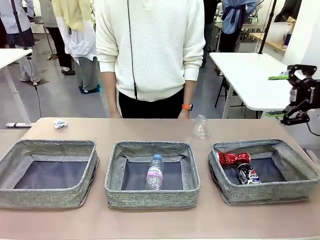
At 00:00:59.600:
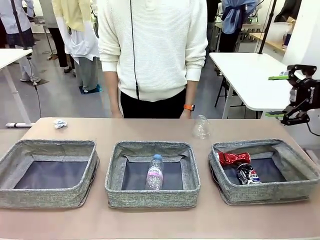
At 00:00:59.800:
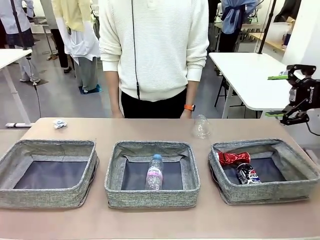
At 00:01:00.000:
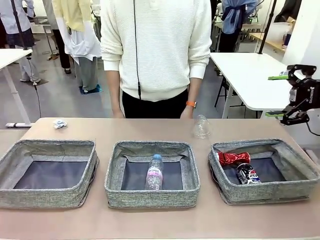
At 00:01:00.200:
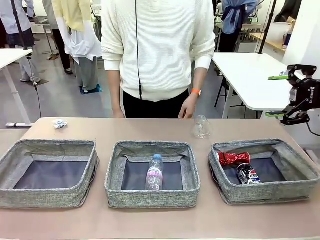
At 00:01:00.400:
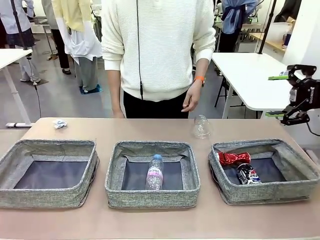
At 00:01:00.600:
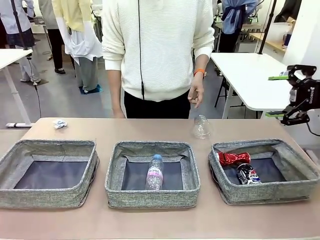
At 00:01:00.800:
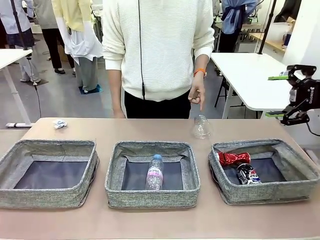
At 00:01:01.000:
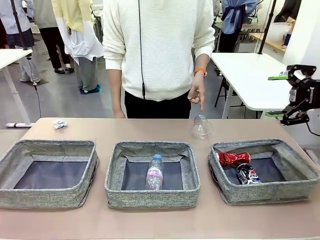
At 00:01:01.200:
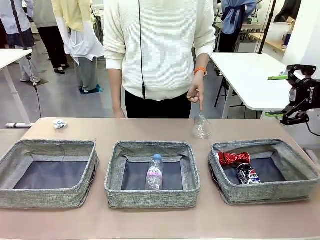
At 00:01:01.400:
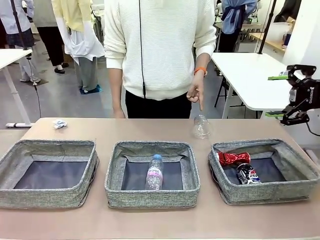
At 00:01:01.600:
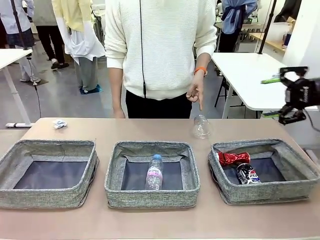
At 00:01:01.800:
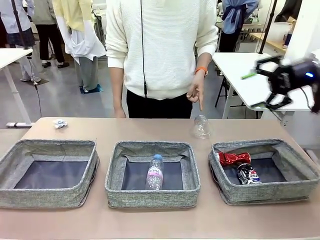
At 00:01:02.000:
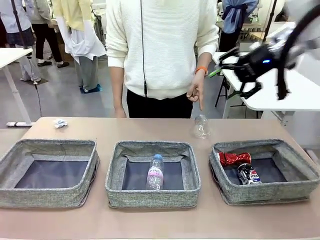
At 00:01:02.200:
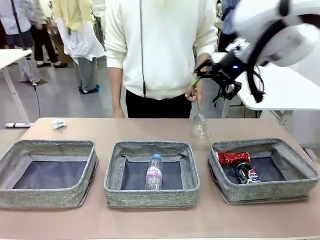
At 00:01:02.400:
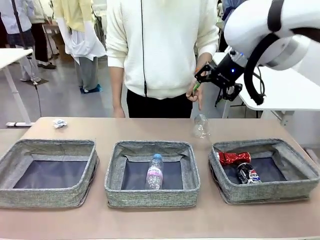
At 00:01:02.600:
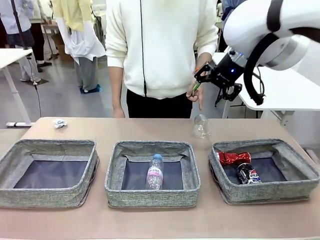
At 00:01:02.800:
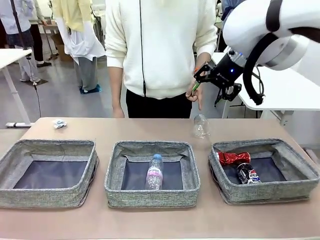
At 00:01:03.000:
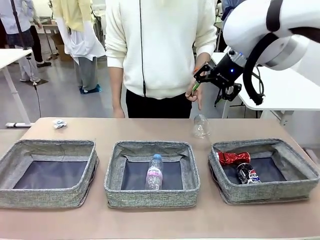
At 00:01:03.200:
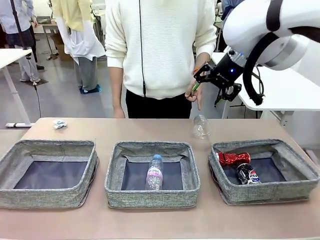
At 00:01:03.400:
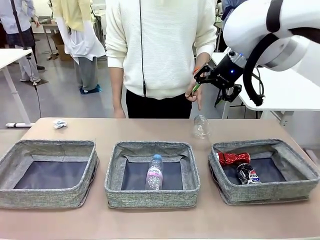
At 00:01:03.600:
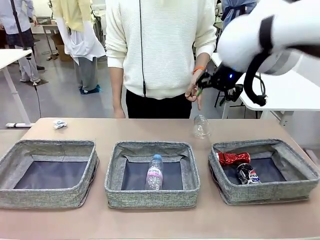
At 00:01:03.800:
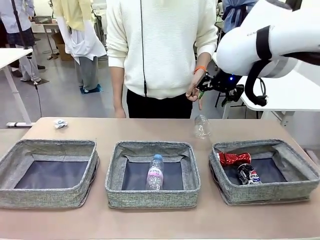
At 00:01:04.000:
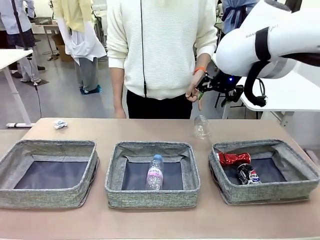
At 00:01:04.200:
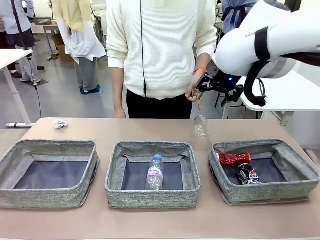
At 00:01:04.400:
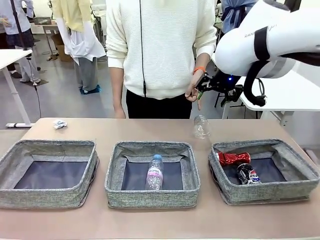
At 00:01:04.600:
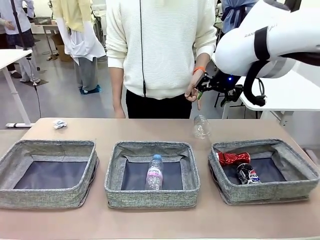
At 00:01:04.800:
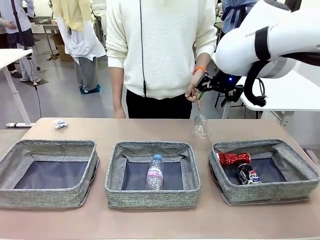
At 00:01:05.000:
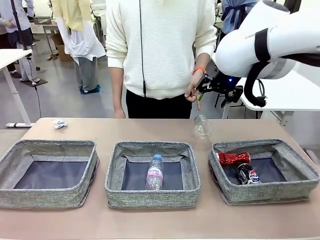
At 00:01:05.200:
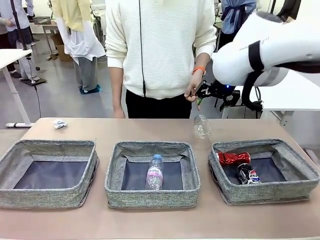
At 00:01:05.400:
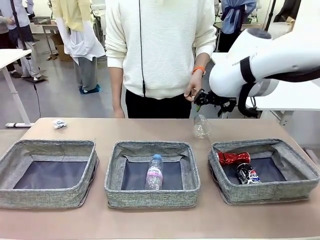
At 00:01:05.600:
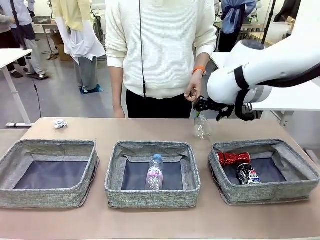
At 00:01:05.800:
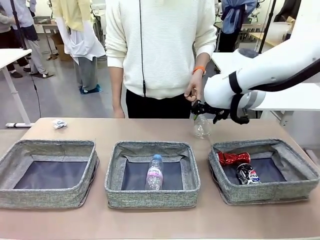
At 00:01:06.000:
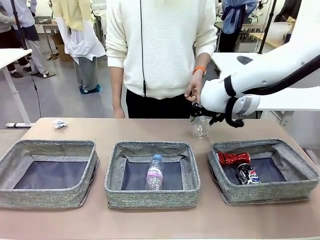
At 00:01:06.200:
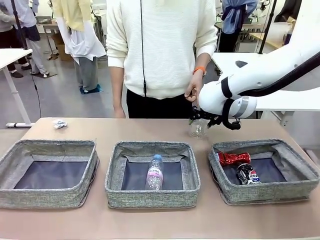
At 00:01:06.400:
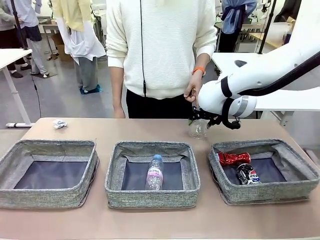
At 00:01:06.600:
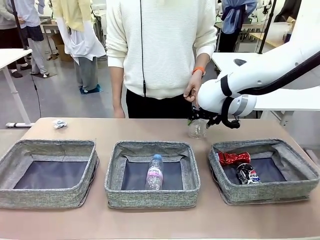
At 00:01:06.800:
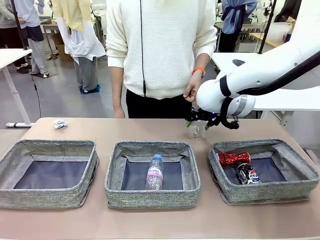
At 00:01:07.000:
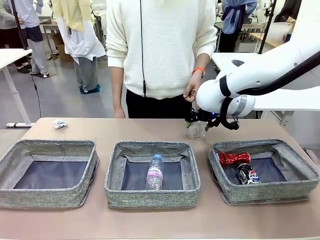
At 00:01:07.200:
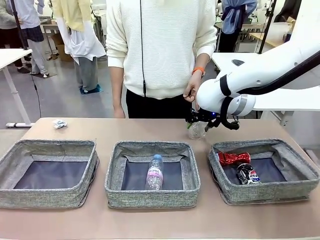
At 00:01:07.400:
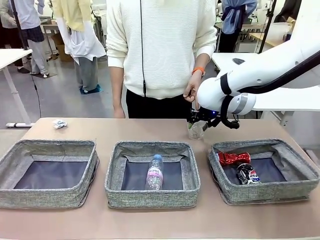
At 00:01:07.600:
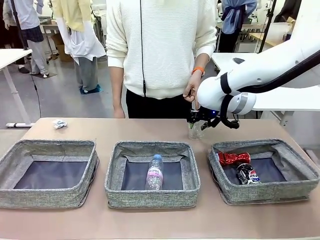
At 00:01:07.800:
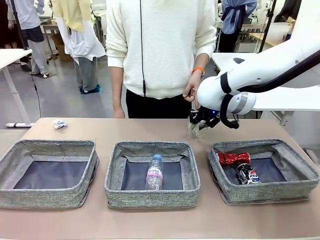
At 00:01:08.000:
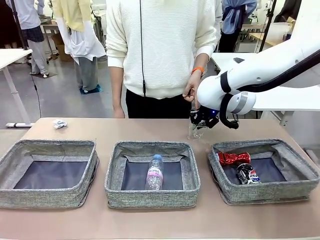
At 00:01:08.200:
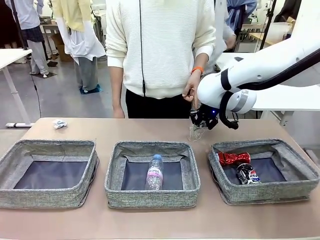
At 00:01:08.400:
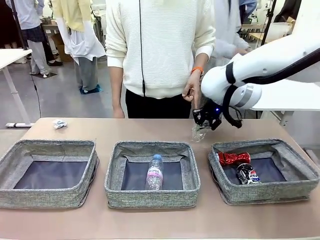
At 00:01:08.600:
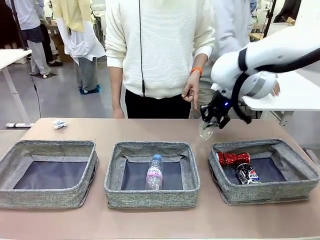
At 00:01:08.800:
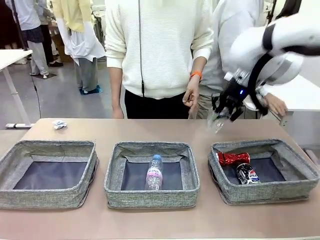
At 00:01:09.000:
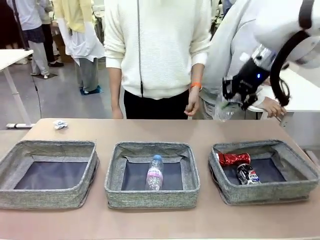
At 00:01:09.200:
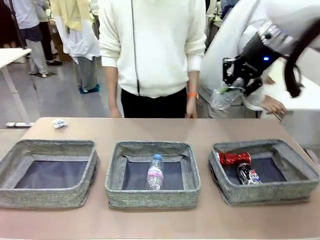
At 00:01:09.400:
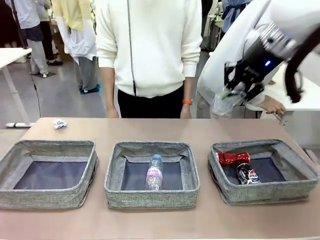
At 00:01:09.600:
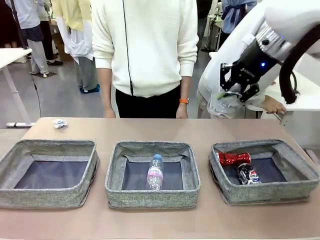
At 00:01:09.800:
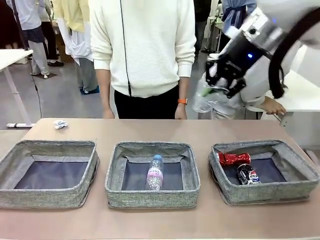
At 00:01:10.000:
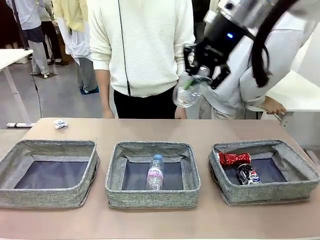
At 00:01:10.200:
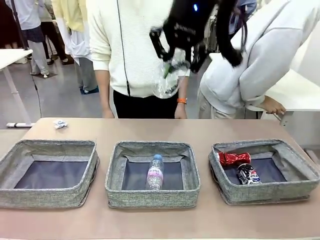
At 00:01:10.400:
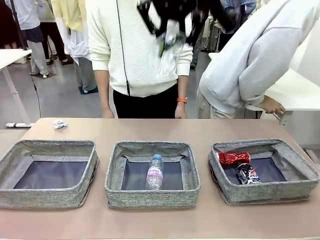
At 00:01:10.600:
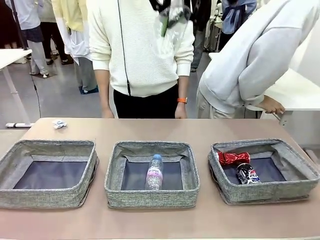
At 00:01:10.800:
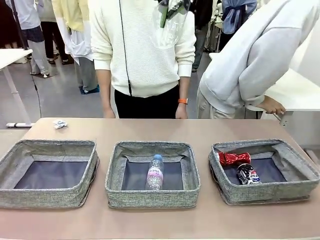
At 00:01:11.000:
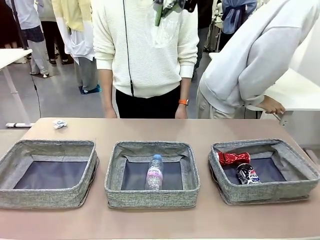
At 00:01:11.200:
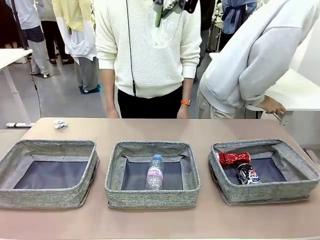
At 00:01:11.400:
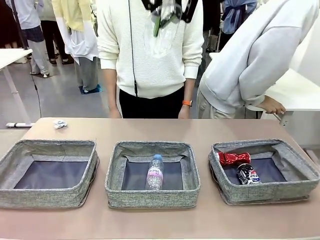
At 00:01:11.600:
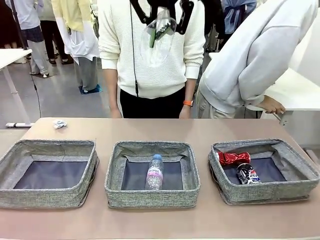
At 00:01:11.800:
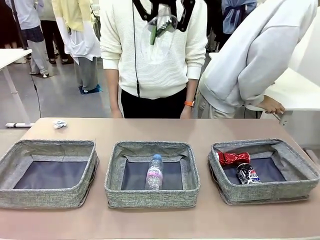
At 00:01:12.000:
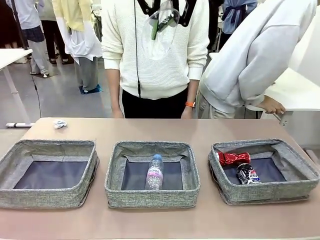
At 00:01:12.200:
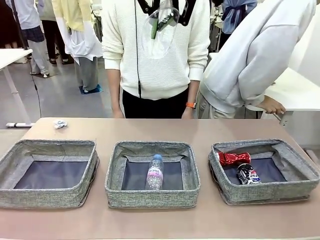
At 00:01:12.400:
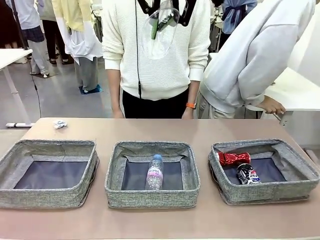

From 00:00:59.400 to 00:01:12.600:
Task: Sort the waste into the appropriate baskets.
Robot: Pick up the waste item pointed out by the person.
Person: Points to one piece of trash on the table.

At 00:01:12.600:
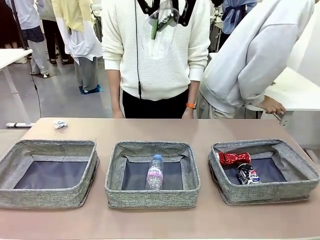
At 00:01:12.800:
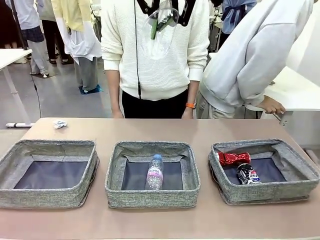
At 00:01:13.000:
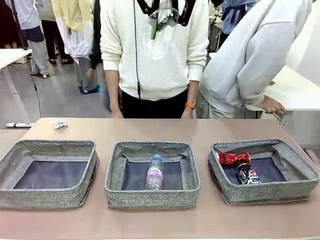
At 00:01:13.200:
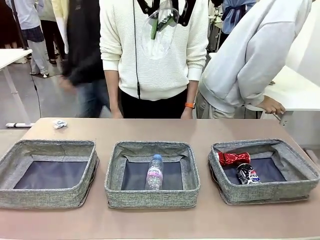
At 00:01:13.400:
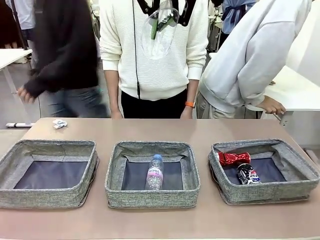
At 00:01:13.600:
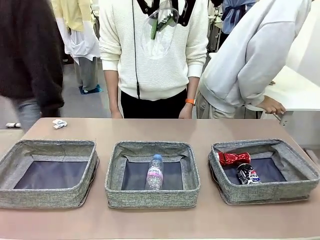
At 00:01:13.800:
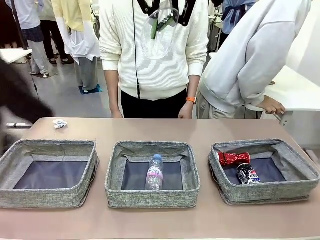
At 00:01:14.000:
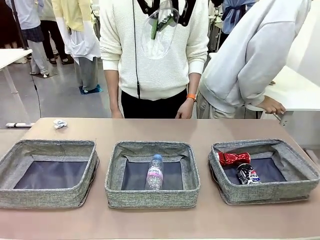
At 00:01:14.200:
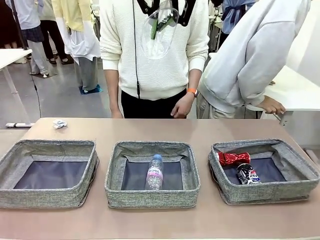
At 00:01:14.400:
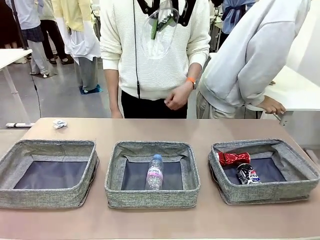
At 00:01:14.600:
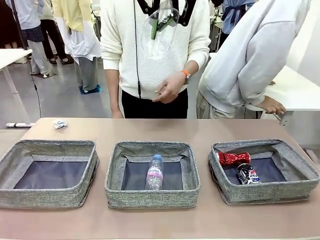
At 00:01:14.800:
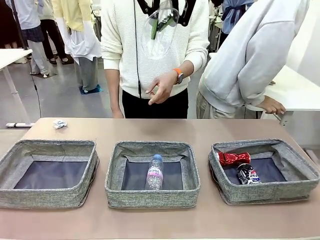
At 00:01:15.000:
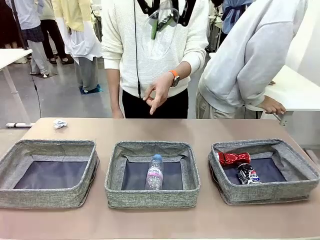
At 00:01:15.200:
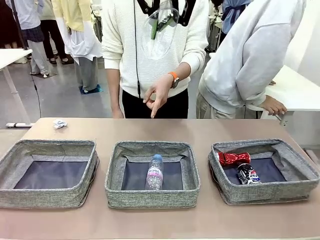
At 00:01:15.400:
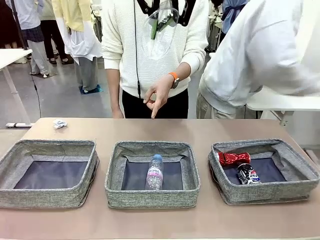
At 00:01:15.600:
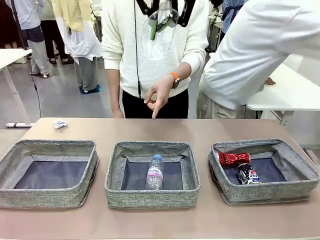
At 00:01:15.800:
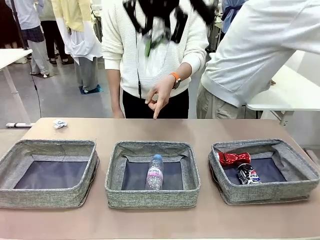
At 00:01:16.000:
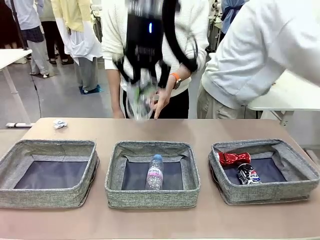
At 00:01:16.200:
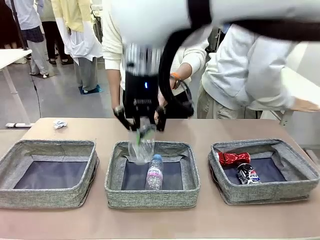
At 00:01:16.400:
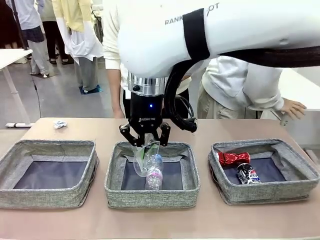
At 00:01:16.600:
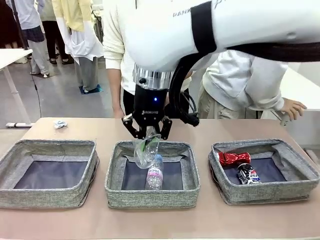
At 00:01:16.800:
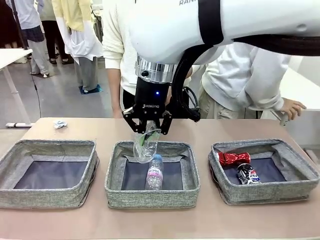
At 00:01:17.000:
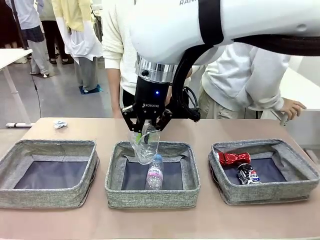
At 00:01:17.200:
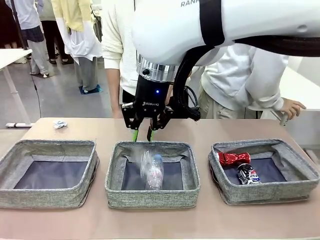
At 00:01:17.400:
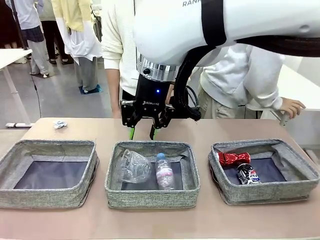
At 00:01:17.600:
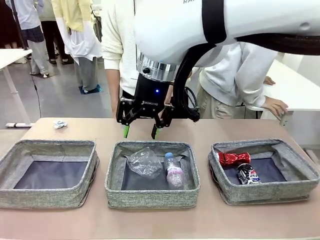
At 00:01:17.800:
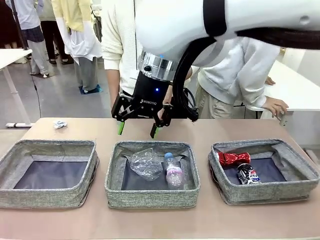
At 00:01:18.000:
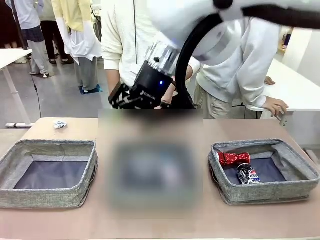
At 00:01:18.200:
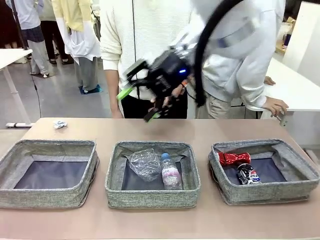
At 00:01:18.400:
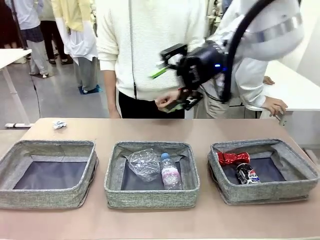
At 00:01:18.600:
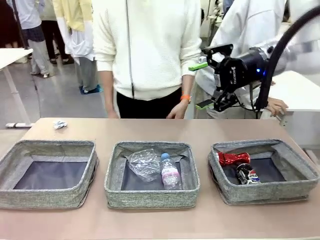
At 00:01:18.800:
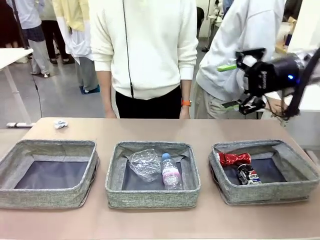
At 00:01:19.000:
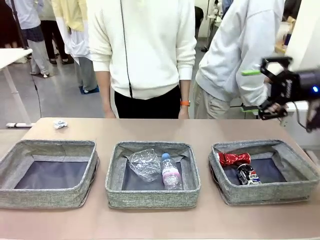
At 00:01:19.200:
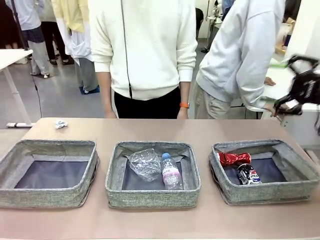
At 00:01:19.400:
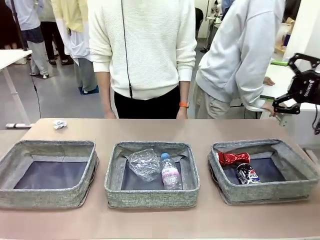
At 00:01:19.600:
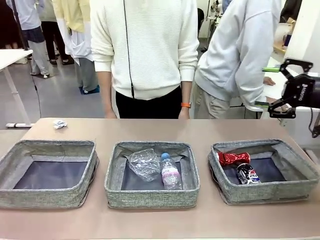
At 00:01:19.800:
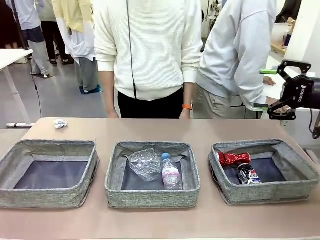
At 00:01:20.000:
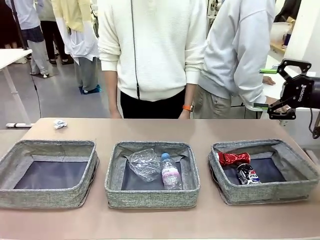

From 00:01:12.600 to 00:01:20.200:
Robot: Place the picked waste into the Fabric basket indicated by the person.
Person: Instructs the robot to place the picked-up trash into the appropriate organizing basket.
